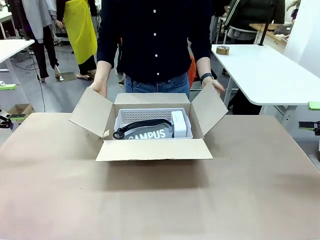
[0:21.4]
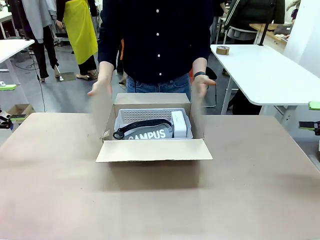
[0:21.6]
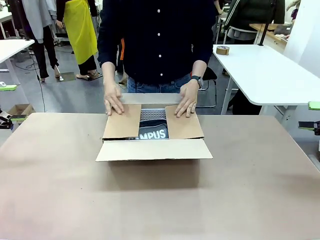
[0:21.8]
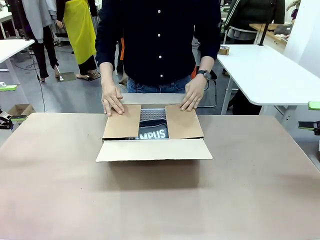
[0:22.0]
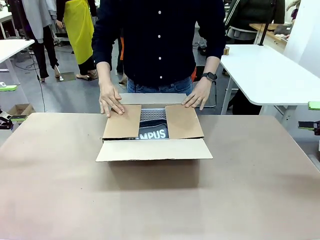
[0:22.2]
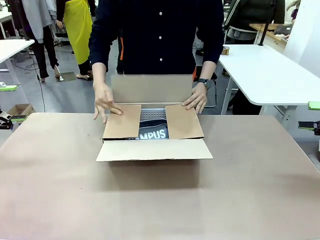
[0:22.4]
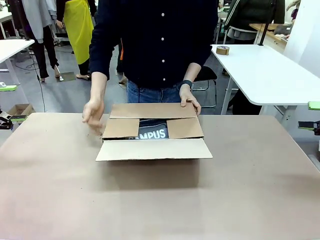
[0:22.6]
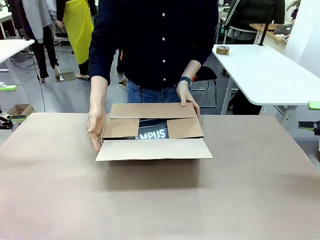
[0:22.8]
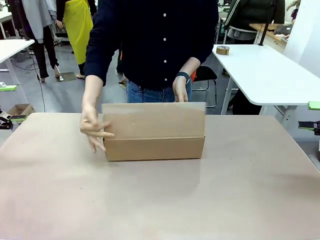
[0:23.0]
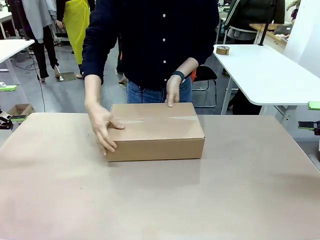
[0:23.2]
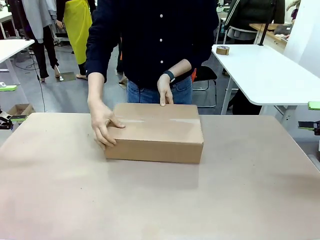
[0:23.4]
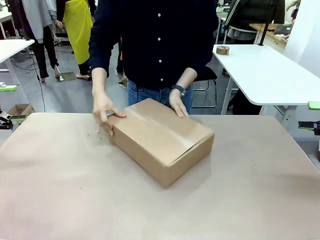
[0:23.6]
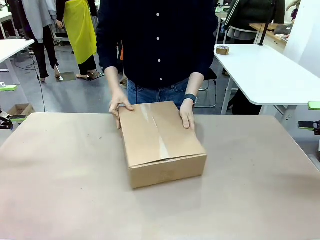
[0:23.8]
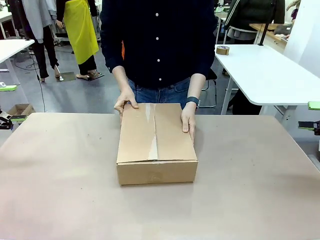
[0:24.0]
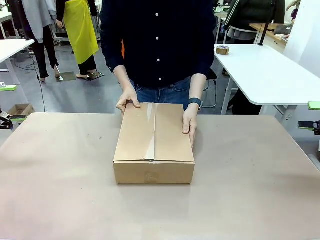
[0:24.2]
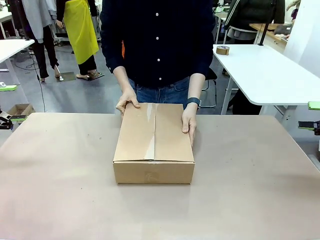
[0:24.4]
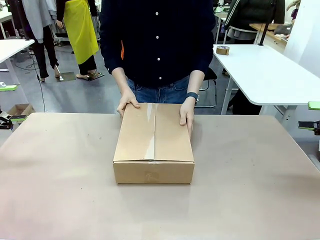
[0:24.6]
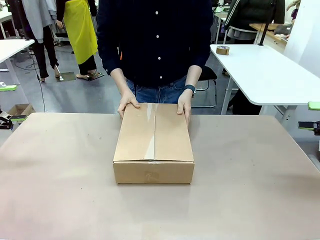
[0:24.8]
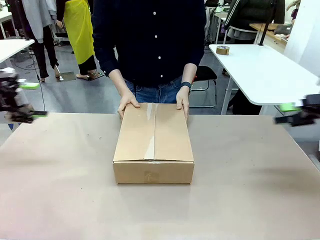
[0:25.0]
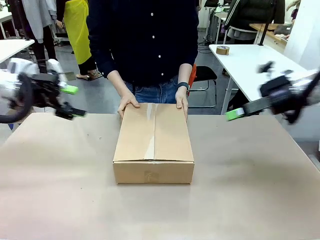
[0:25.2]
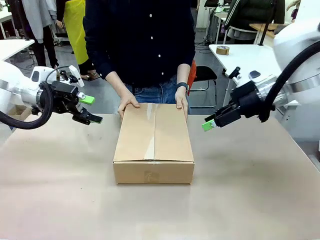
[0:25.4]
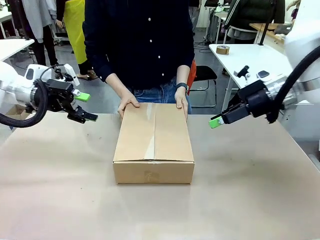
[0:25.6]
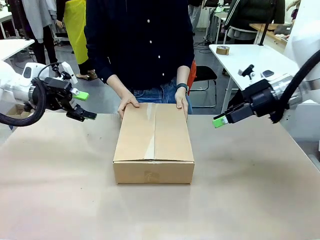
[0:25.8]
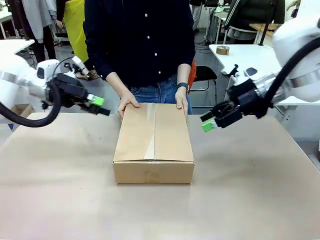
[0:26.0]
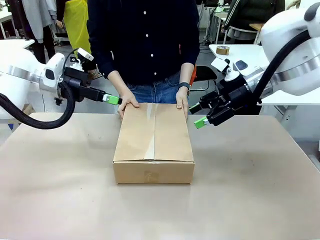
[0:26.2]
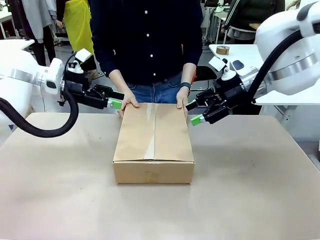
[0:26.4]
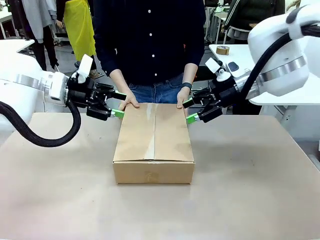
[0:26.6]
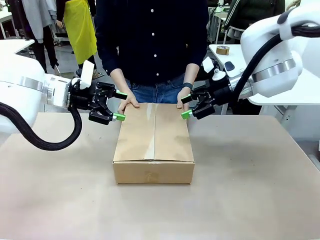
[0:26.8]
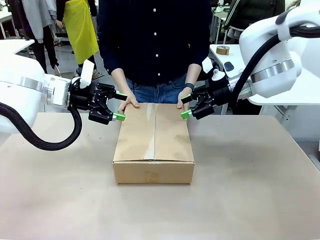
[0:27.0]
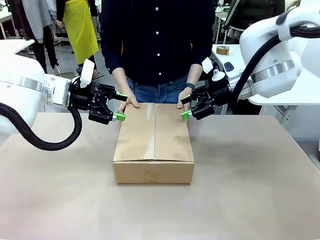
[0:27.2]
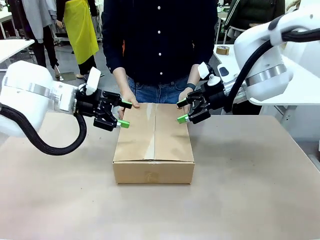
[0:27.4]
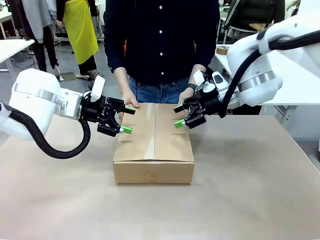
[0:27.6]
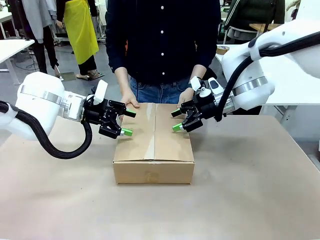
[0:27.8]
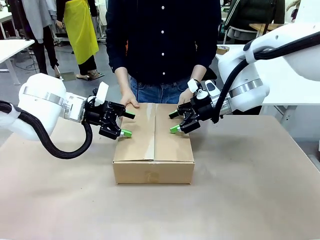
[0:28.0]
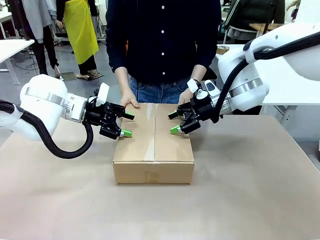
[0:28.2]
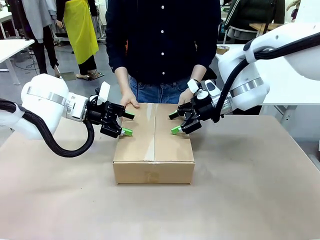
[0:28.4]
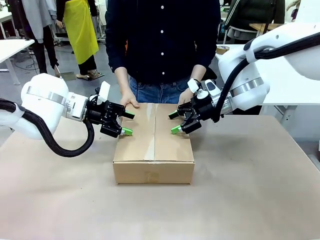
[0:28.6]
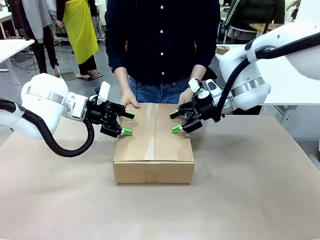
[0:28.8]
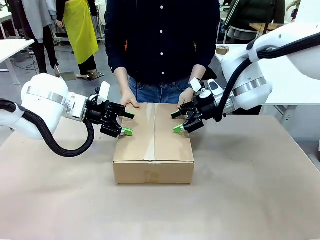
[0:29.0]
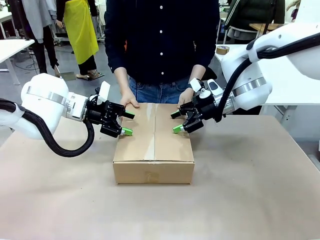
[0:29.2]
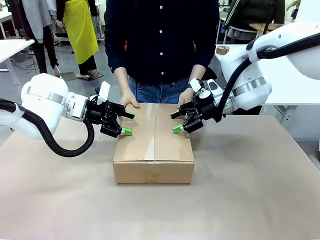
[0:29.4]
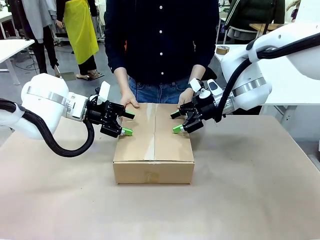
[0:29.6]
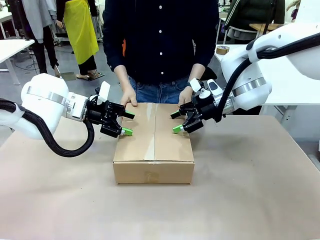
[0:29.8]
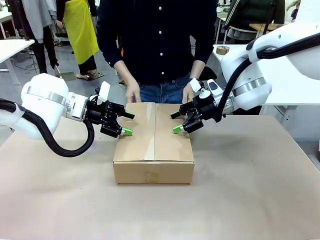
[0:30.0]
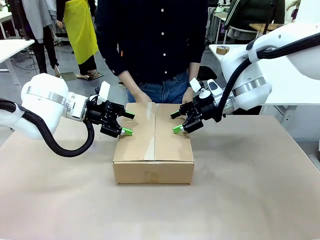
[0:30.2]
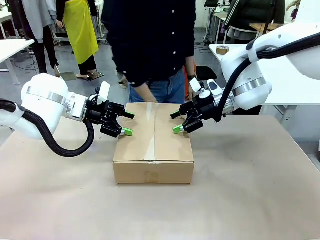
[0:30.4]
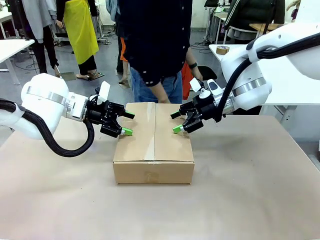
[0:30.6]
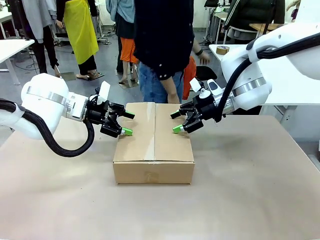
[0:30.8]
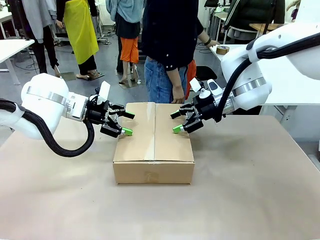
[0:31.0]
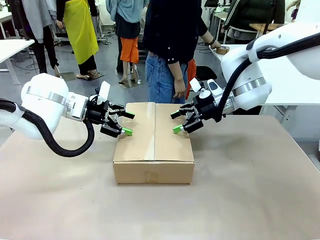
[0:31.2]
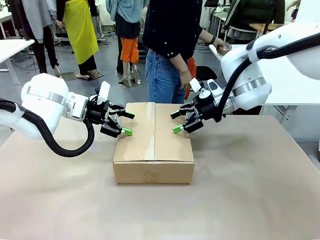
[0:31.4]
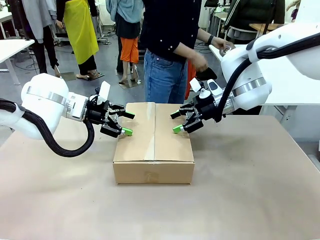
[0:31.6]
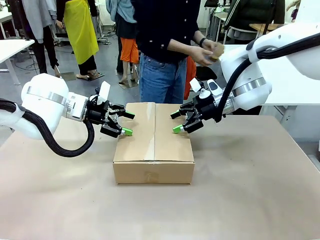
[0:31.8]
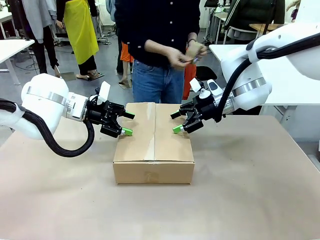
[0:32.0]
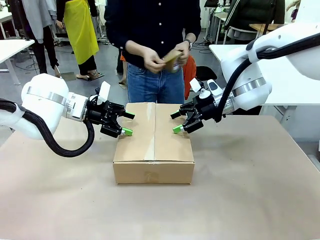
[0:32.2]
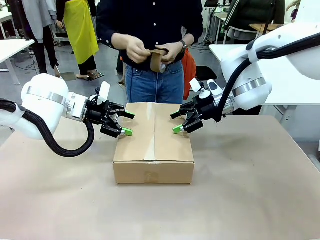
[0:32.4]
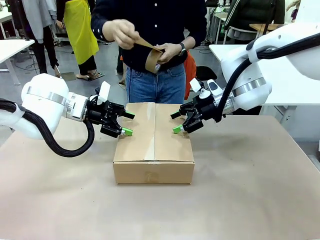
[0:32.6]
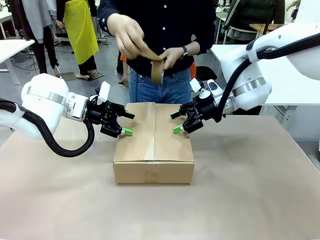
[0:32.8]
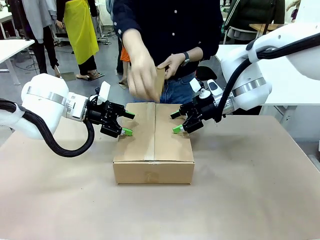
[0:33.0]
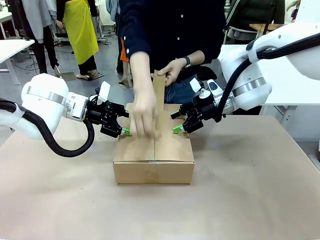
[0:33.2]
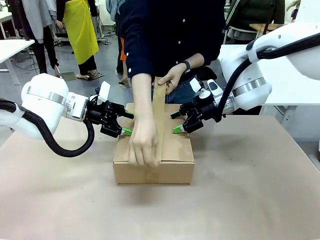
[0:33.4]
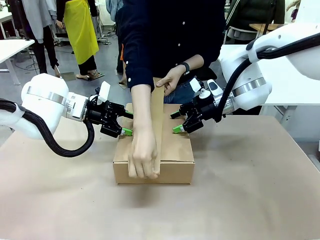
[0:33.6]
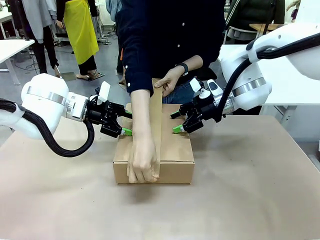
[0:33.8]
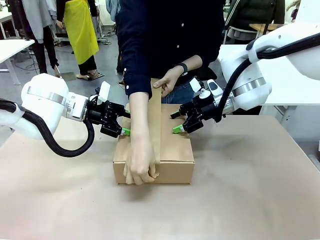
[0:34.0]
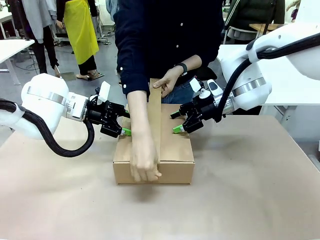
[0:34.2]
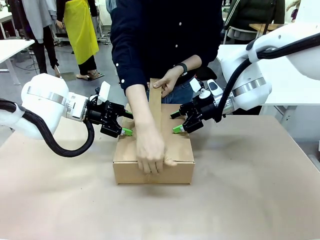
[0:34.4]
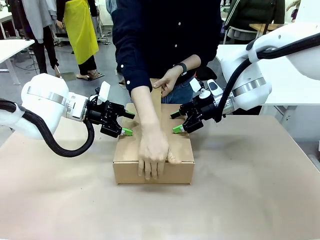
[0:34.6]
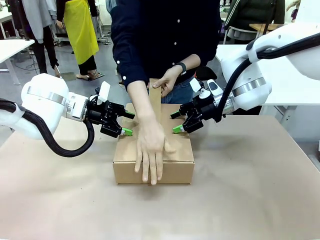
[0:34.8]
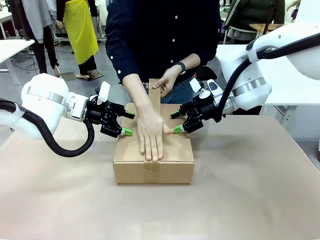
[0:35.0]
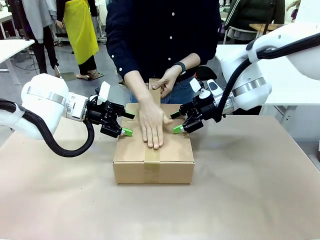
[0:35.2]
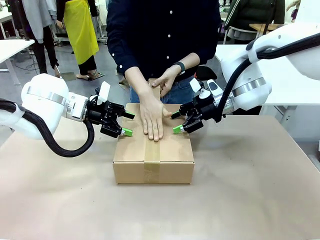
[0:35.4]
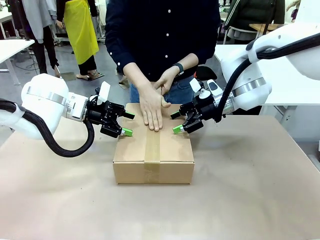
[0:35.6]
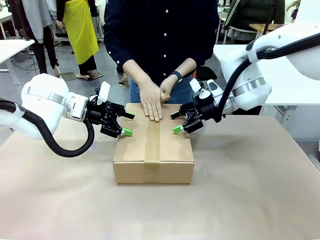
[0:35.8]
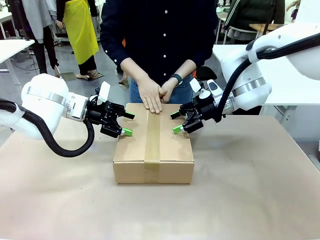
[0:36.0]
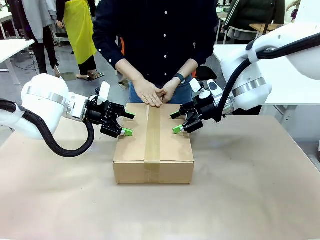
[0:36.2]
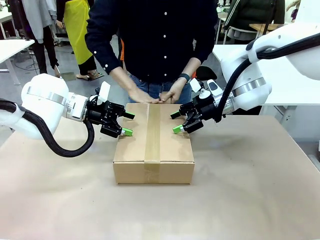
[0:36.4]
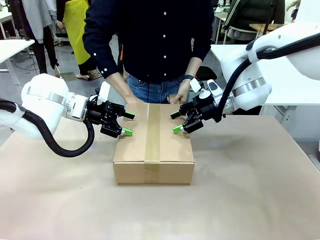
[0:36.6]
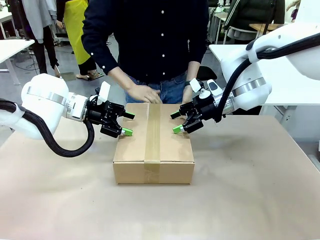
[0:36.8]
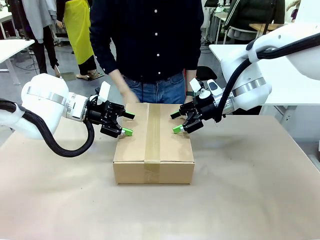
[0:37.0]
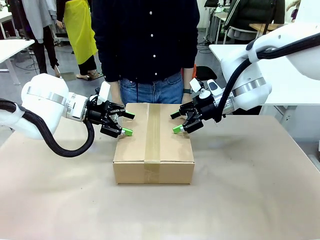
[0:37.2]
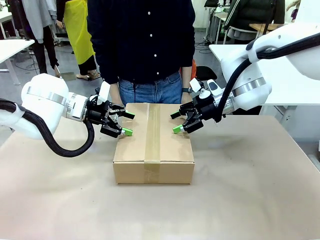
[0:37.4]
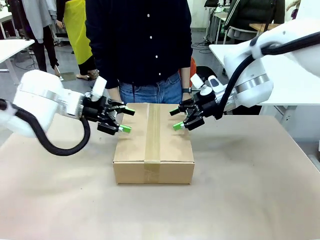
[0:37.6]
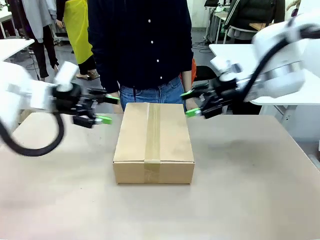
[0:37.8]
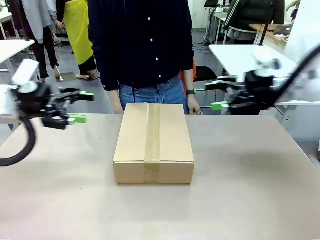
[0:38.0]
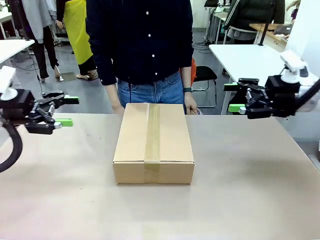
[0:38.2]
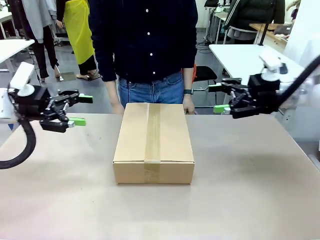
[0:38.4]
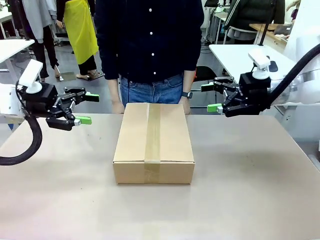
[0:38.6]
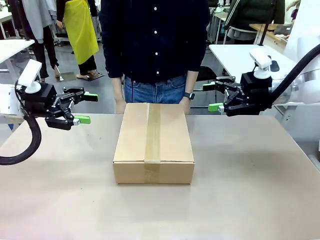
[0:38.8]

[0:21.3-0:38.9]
Task: Pack the gift set into the box.
Robot: Press and hold the closed box until the human finishes sealing it.
Person: The human closes the box and rotates the box by 90 degrees. The human picks up the paper tape from the human table and packs the box.
